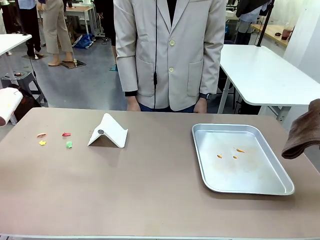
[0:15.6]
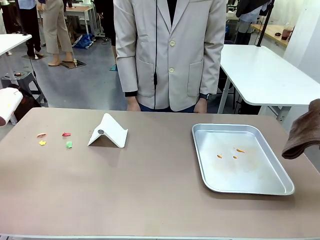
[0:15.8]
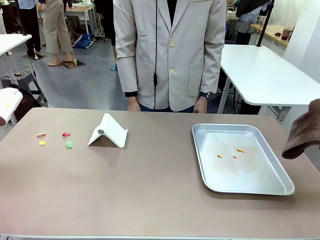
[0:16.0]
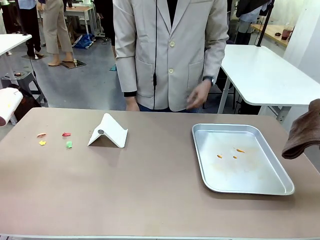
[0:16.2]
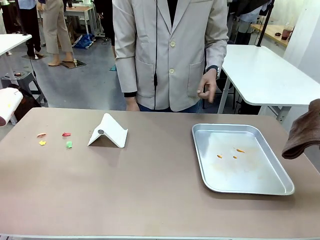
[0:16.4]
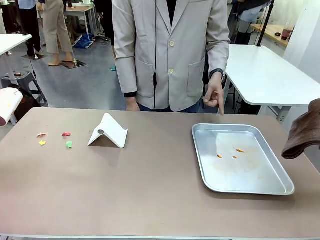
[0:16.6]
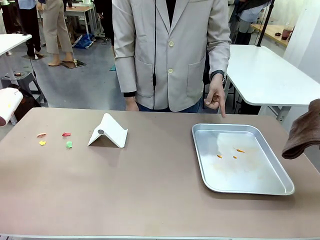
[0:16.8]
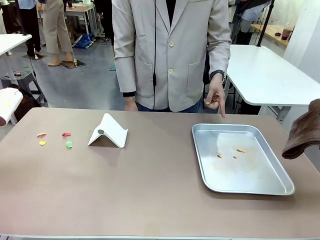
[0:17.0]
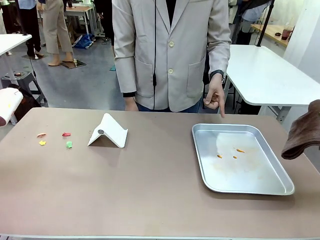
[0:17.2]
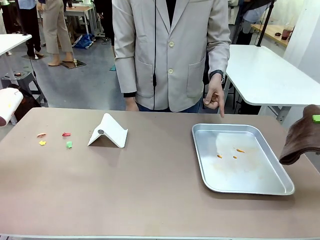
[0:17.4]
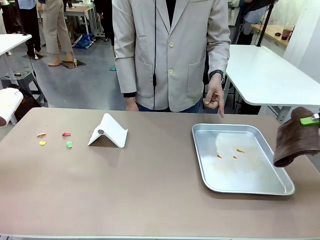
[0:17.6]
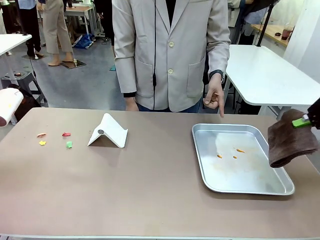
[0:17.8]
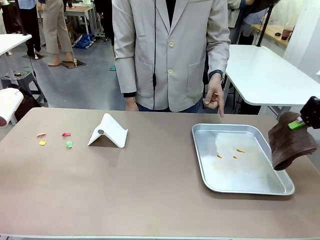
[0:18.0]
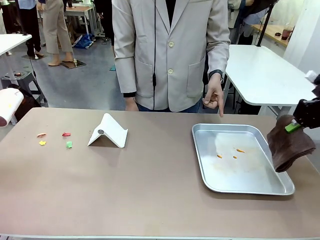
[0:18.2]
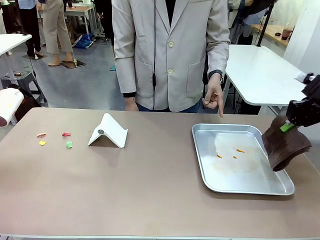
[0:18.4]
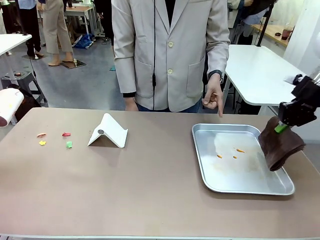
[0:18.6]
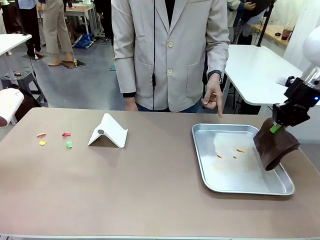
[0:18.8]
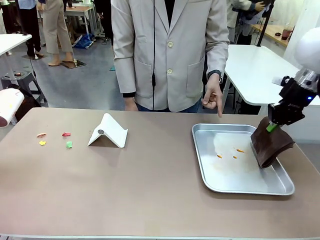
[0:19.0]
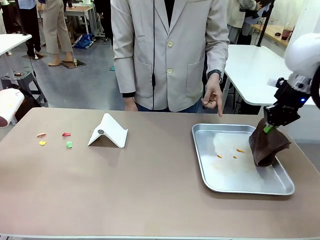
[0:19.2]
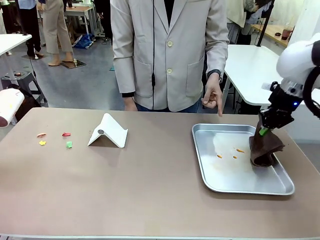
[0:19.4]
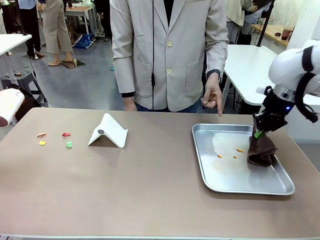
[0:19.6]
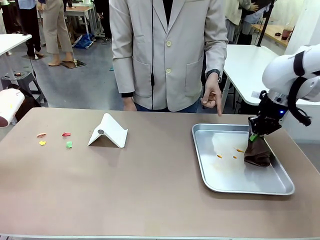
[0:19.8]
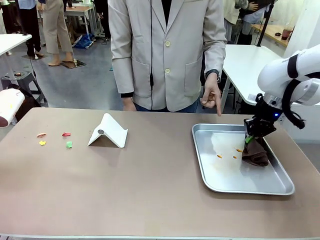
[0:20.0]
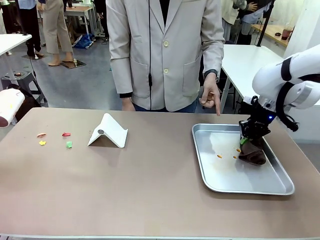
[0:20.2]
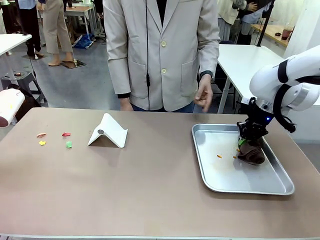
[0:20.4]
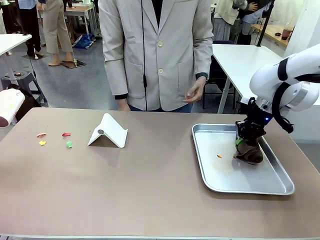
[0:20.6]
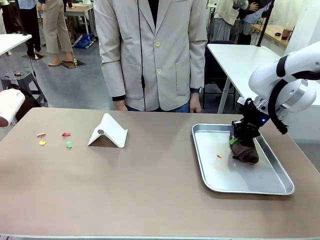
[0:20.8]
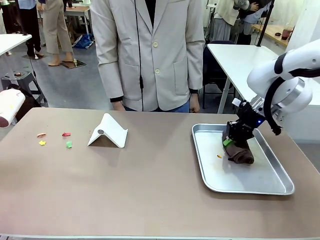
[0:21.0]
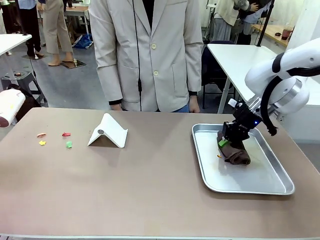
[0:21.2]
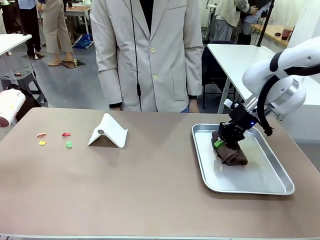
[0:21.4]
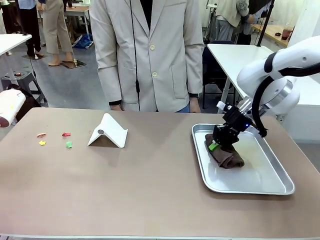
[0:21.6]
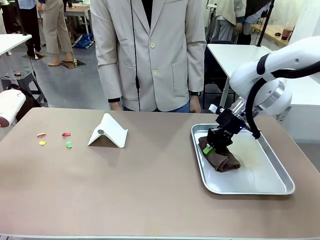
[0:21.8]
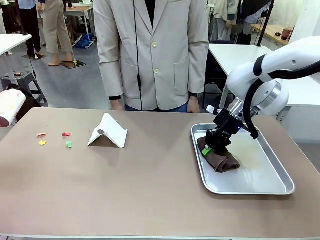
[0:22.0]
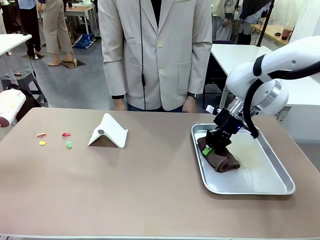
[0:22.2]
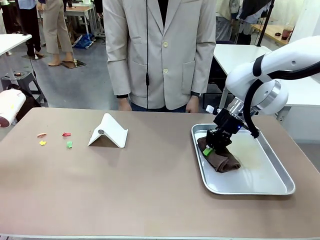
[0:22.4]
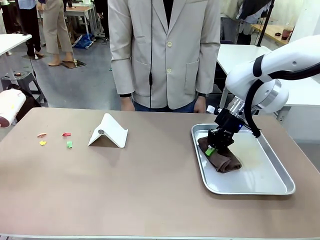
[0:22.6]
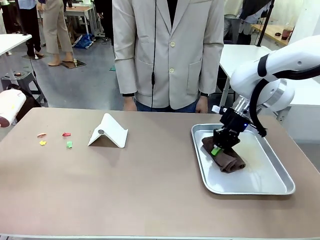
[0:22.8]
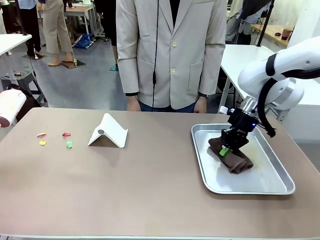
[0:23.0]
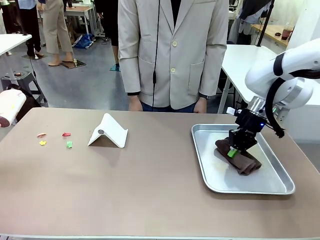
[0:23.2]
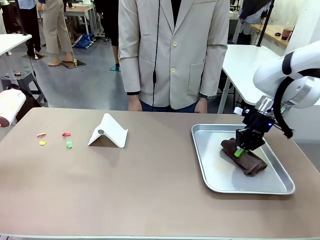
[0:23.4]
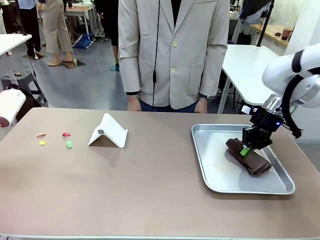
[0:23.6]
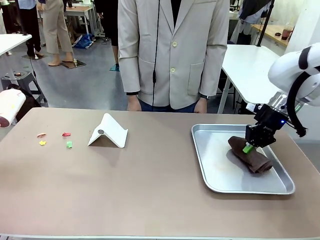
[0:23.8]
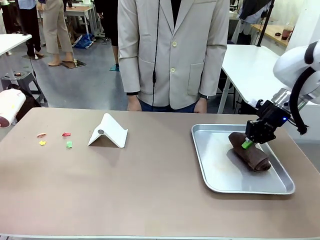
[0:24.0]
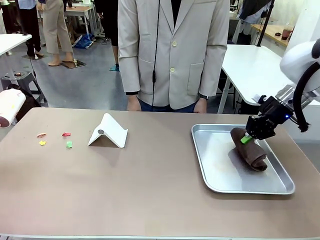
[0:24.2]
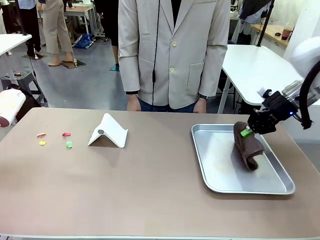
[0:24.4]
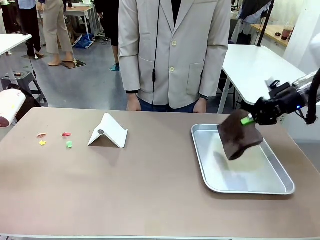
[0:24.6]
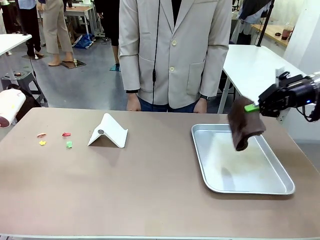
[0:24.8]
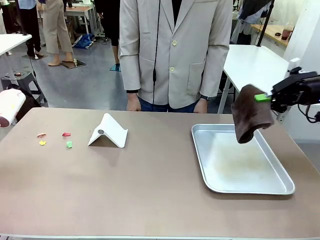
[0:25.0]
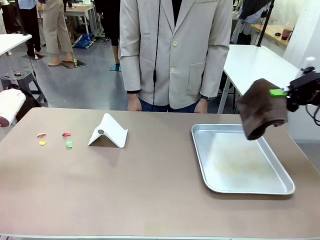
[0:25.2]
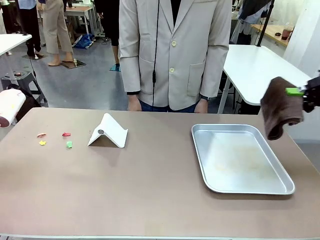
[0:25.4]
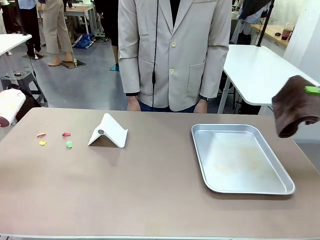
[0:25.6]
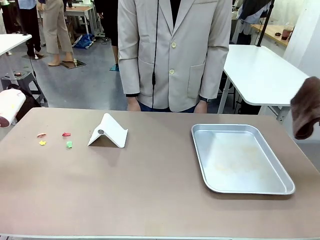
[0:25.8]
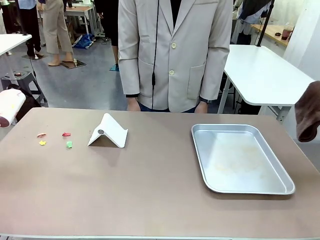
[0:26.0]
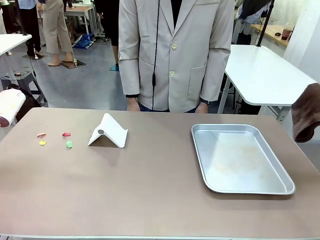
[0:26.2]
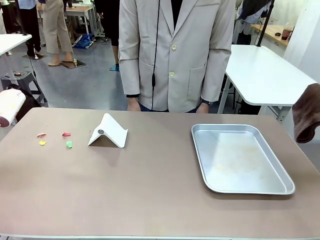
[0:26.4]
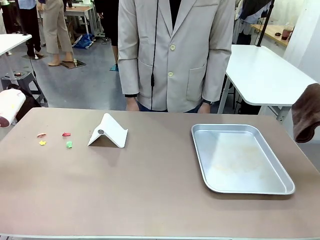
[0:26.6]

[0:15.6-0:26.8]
Task: Clean the surface of the table.
Robot: If a person points to the right, clean the right side of the table with your right hand, and if they point to the left, clean the left side with your left hand.

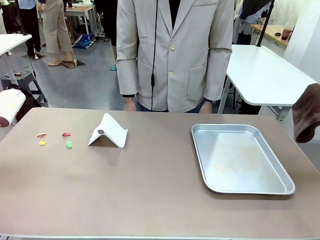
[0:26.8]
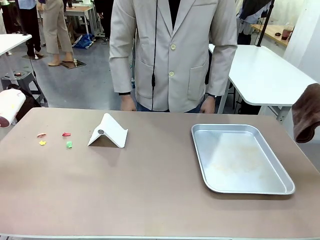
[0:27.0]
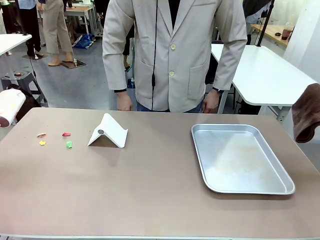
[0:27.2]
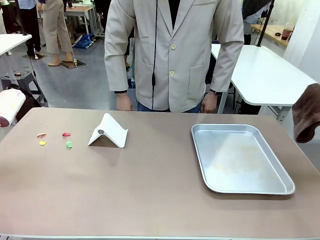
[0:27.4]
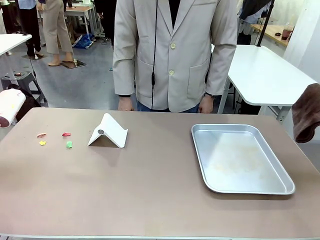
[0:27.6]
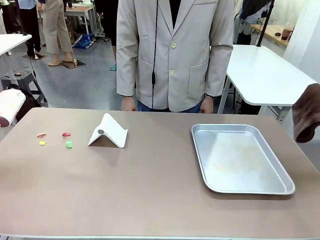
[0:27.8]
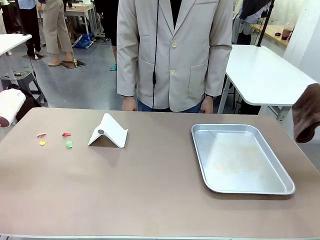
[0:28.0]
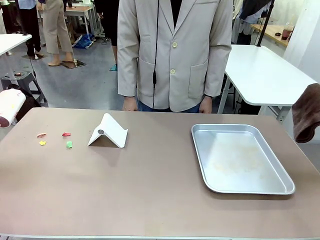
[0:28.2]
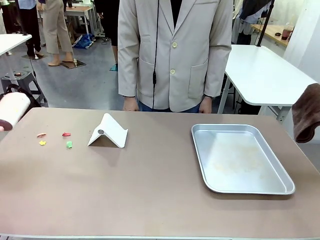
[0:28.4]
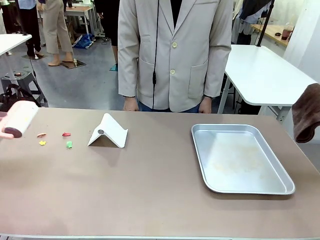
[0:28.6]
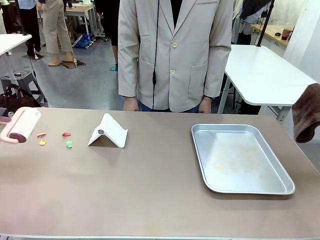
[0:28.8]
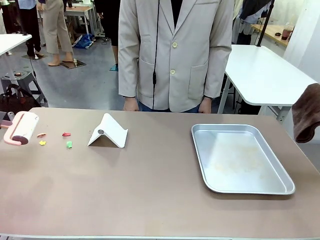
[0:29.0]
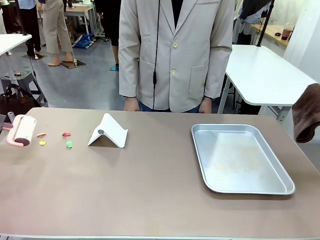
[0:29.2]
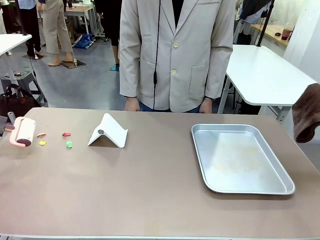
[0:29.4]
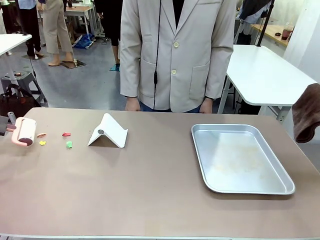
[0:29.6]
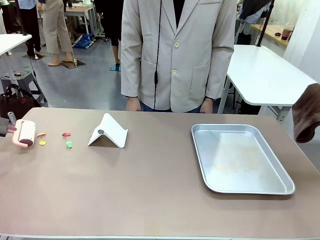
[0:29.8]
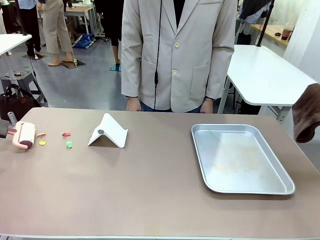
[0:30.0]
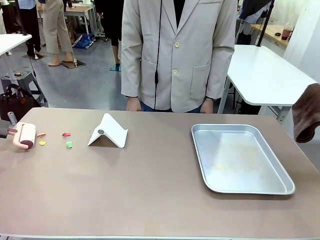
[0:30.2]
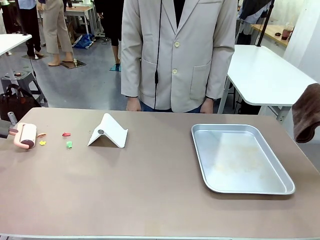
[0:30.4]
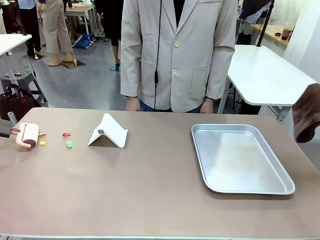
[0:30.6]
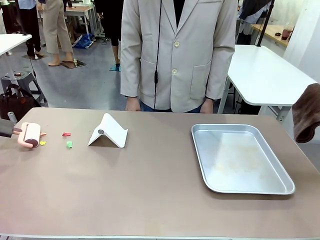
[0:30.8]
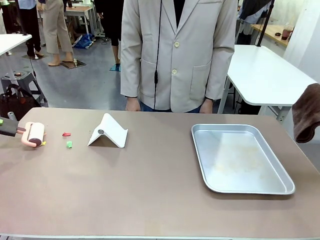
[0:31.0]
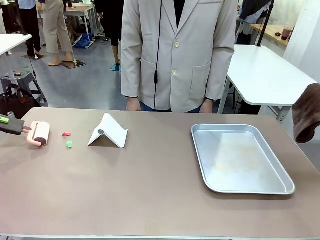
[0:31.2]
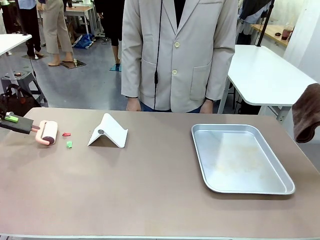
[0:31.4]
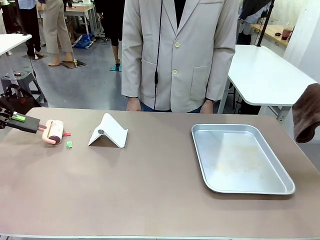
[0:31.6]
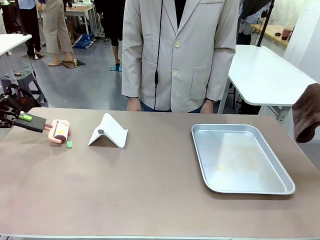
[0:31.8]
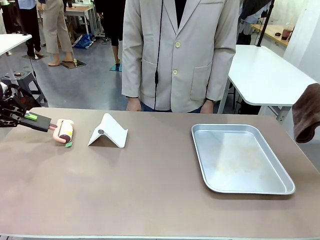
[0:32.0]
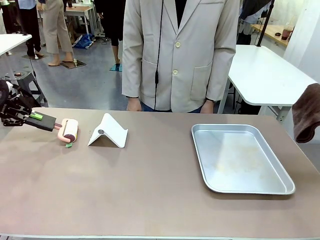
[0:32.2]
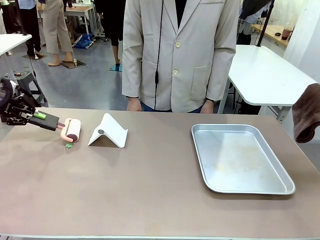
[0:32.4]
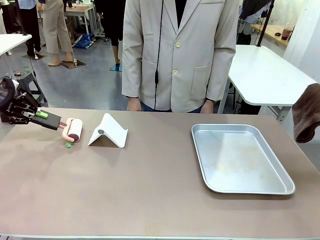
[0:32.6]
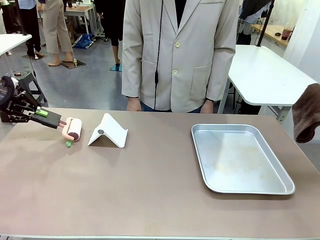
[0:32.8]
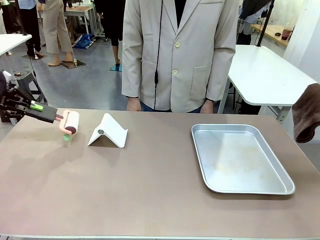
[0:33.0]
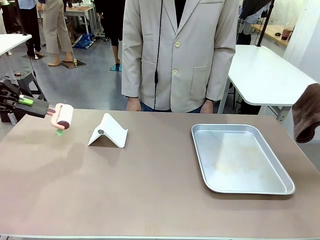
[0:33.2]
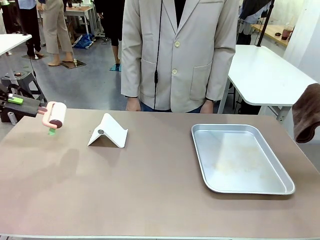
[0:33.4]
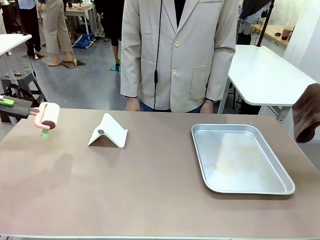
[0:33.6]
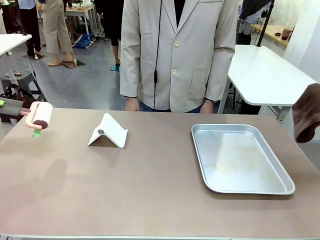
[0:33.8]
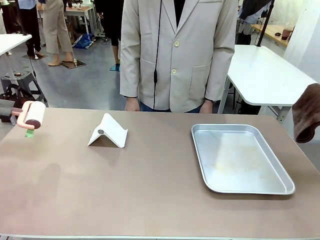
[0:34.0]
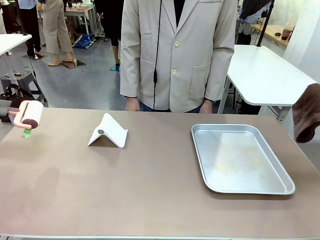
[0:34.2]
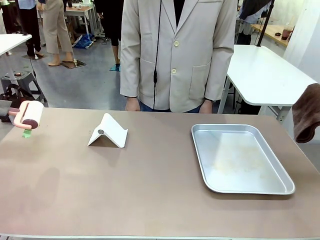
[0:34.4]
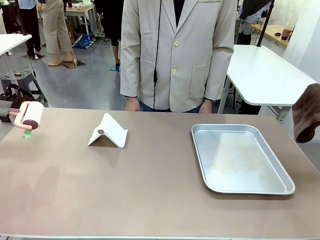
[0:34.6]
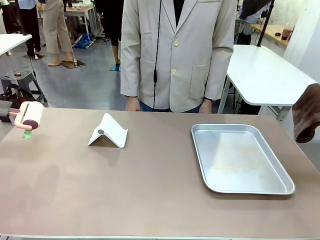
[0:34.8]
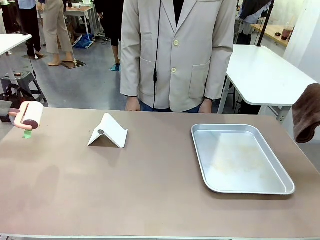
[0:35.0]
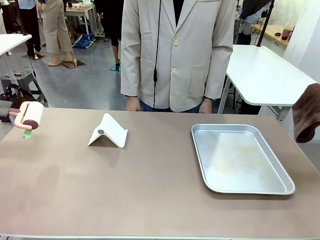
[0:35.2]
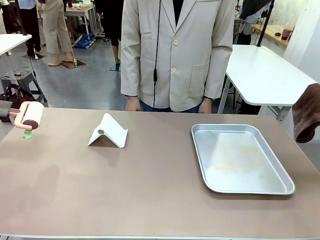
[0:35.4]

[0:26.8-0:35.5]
Robot: Clean the area not pointed to by the person.
